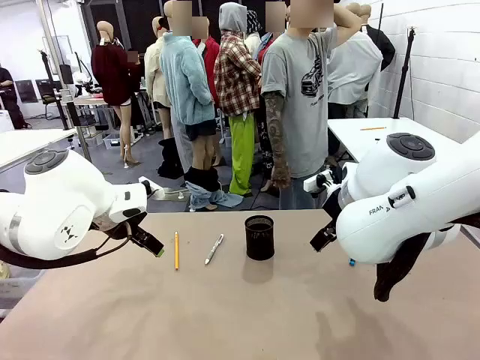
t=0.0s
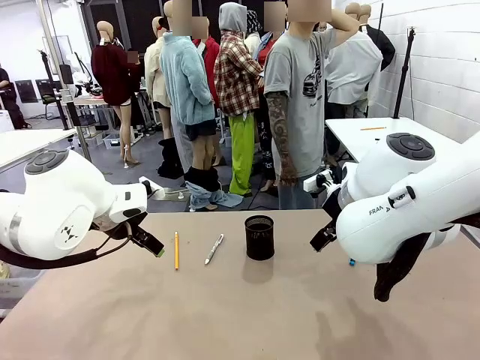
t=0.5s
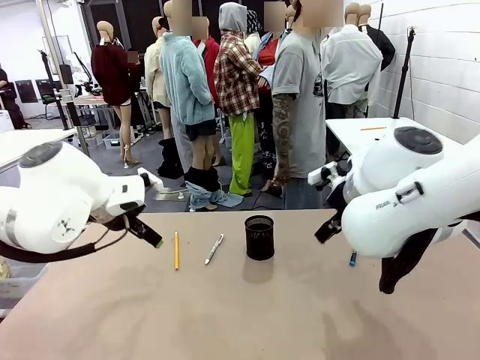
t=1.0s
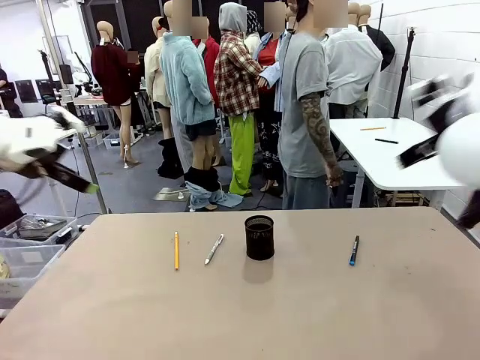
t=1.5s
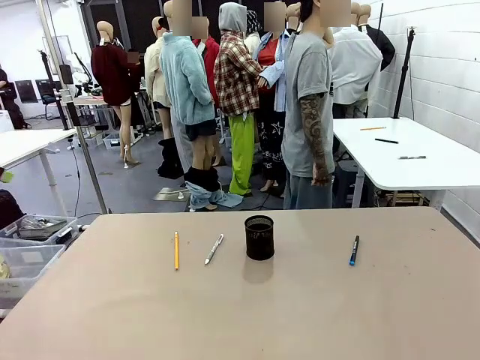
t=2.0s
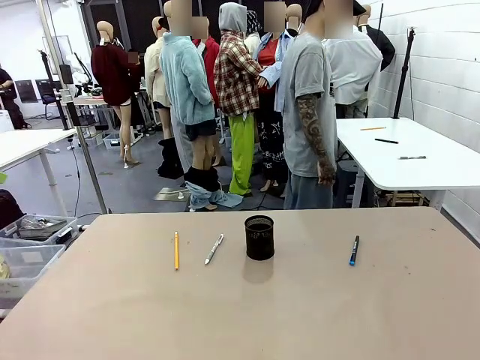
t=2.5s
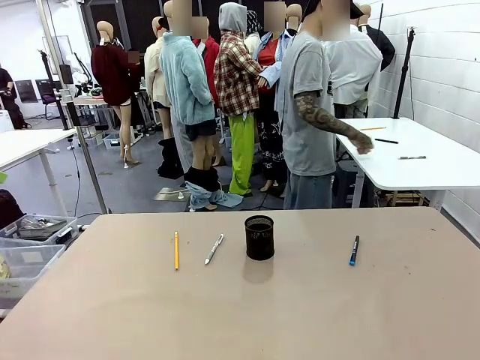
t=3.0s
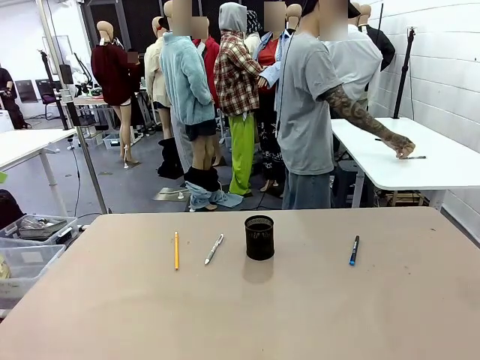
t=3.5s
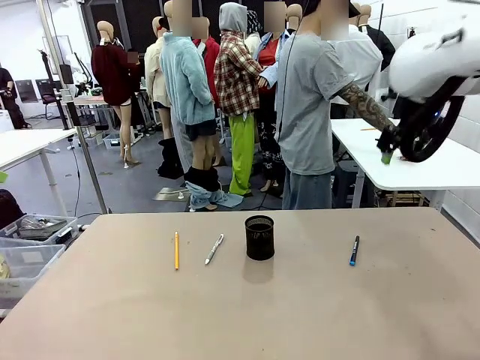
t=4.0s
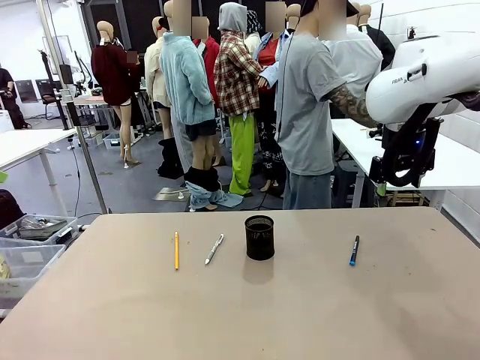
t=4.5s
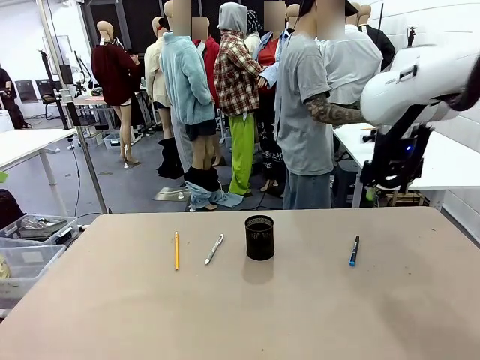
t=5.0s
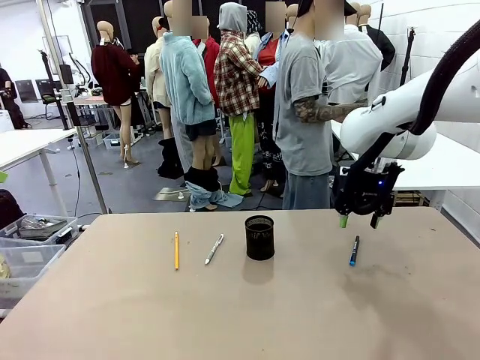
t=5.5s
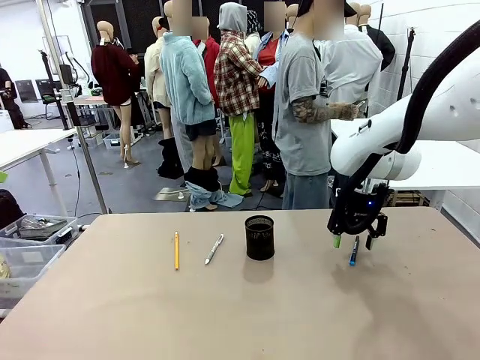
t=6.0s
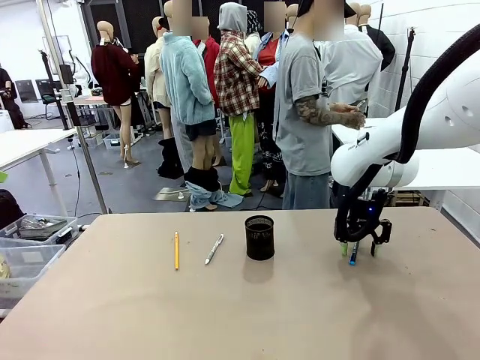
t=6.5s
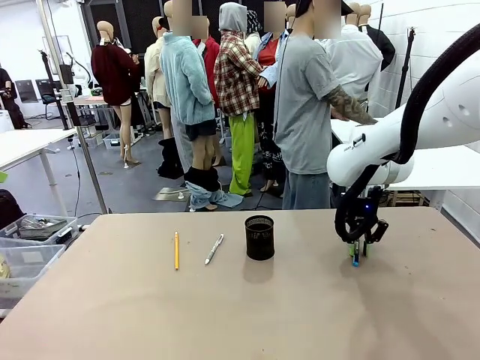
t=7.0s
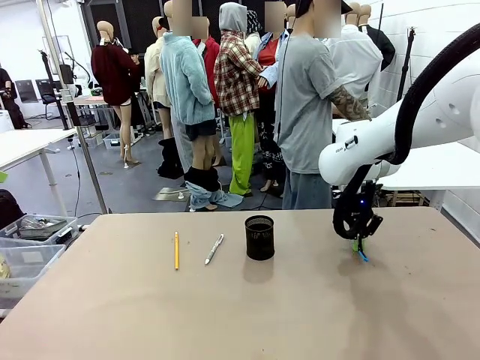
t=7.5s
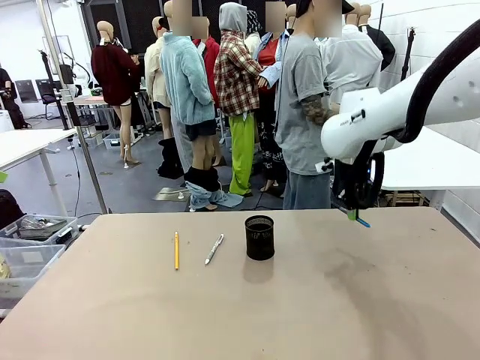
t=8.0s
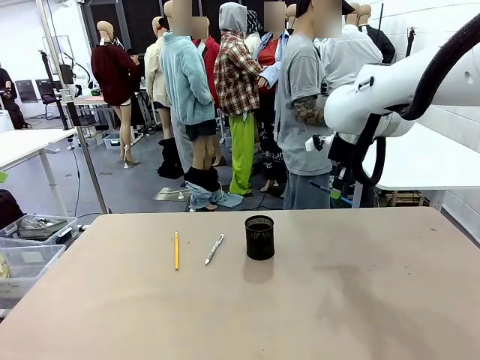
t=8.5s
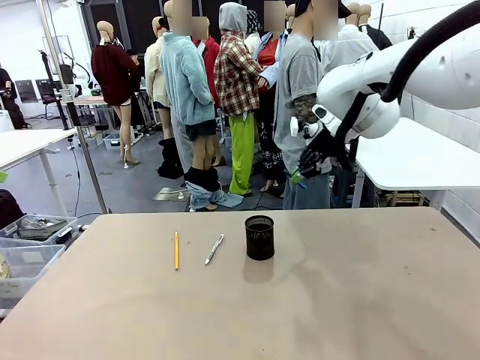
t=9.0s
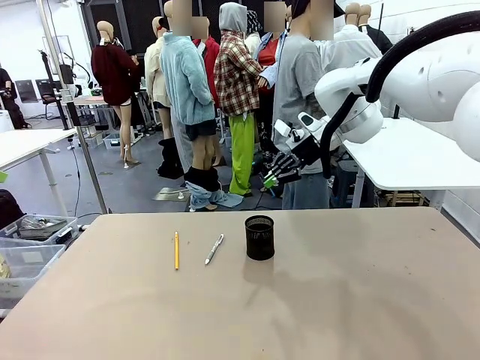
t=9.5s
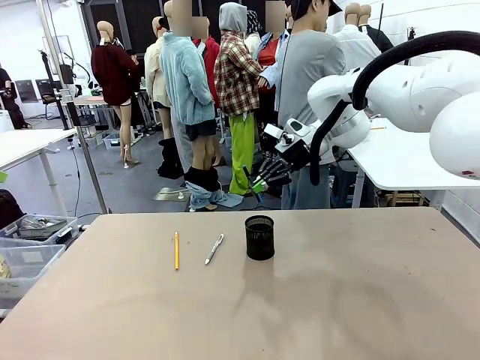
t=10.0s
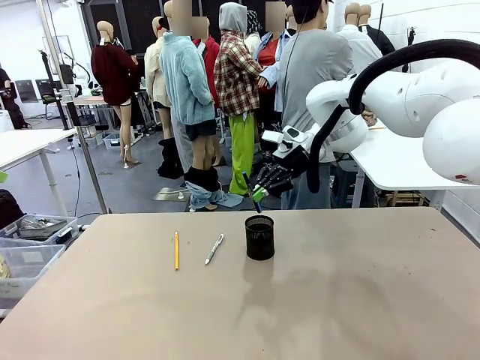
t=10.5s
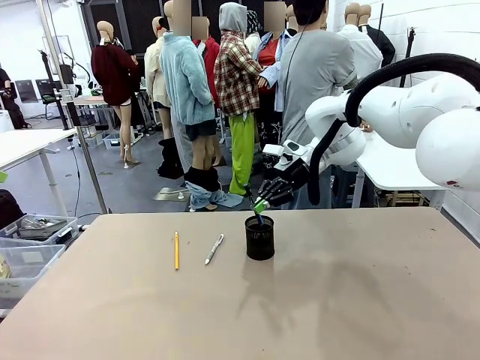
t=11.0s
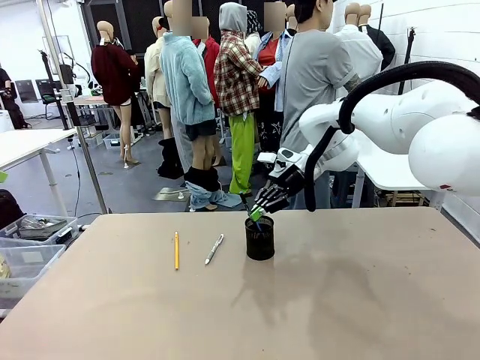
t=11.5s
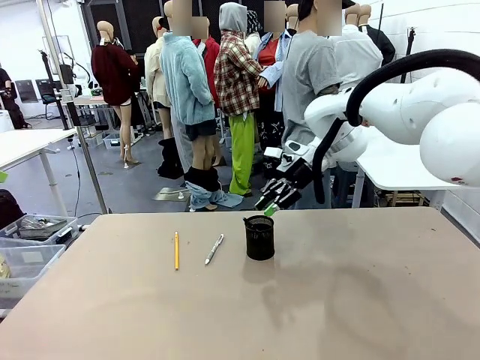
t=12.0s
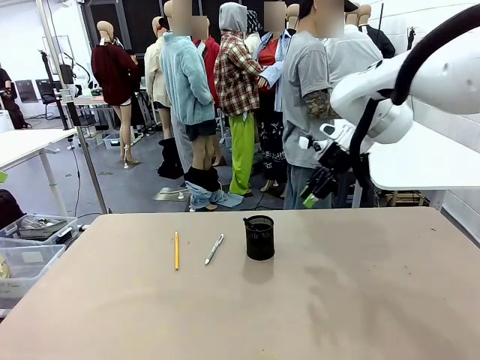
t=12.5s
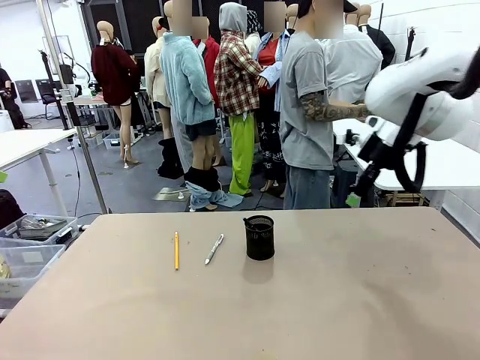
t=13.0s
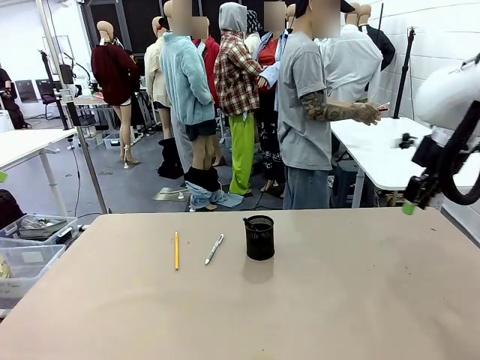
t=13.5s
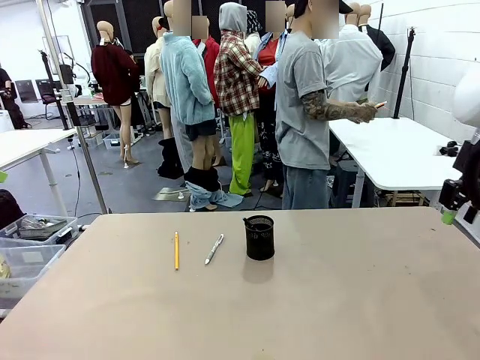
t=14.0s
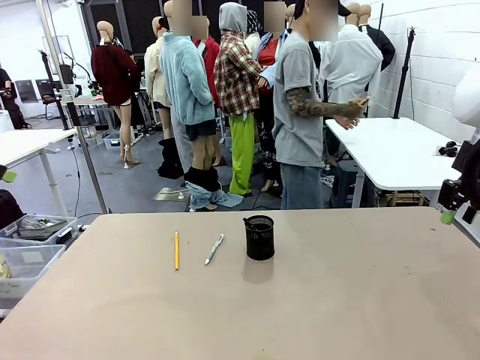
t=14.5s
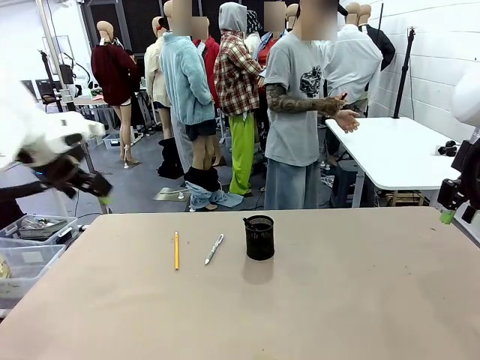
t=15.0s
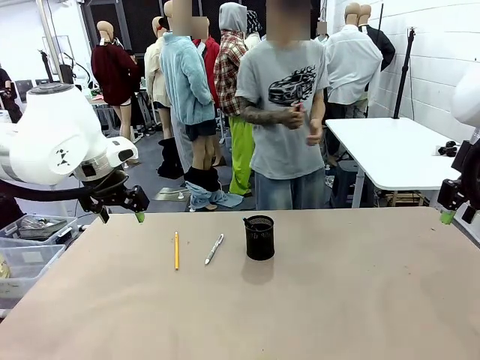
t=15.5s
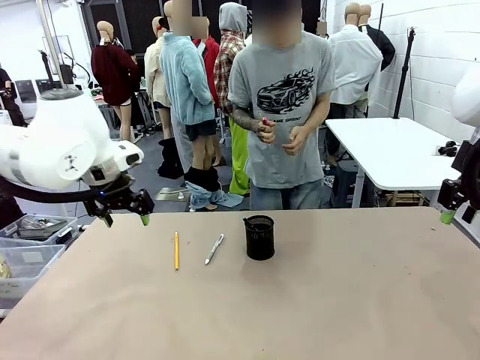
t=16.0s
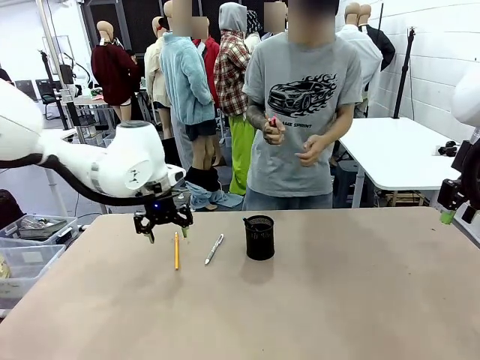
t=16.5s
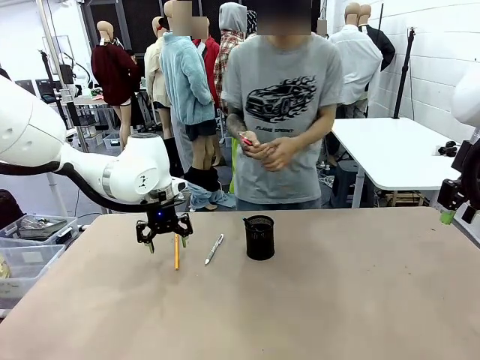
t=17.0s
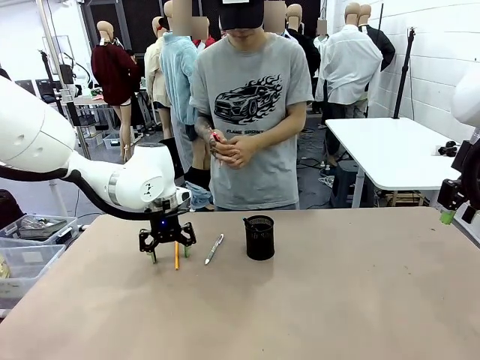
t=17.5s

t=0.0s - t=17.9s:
Task: Place the pens into the pen holder.
Robot: Pick up a writing instrument from the table and place it into the Pen holder.
Person: Pick up all writing instruments from the Human table.

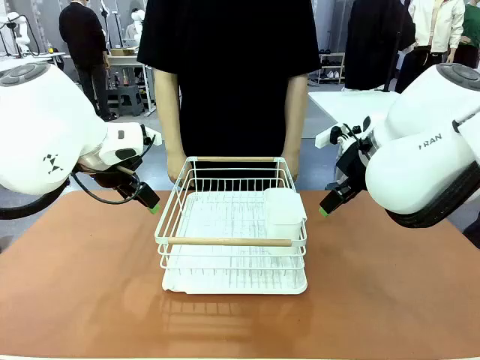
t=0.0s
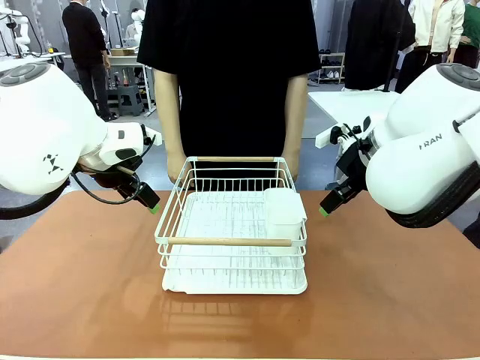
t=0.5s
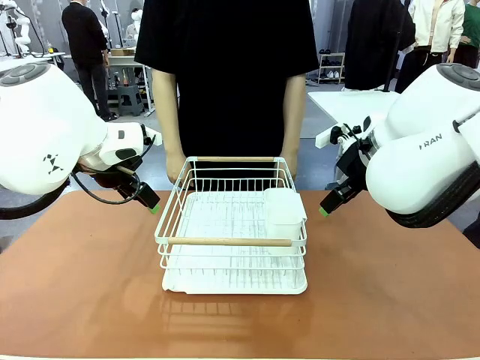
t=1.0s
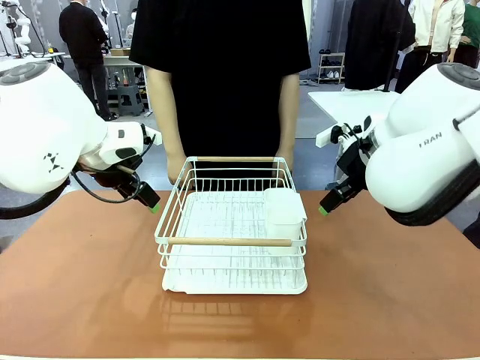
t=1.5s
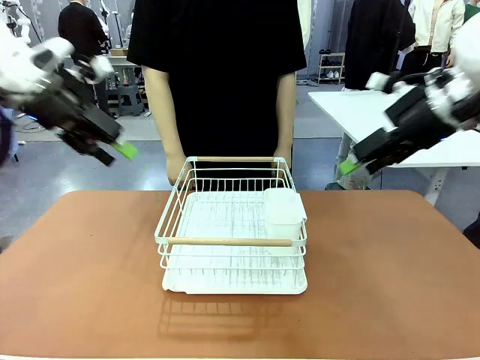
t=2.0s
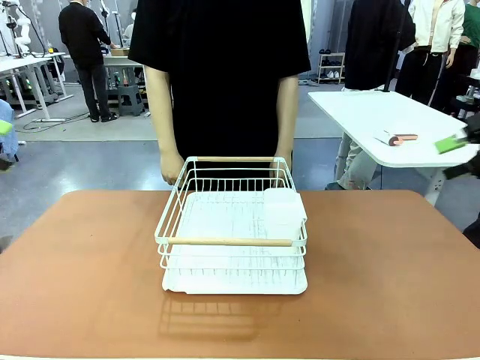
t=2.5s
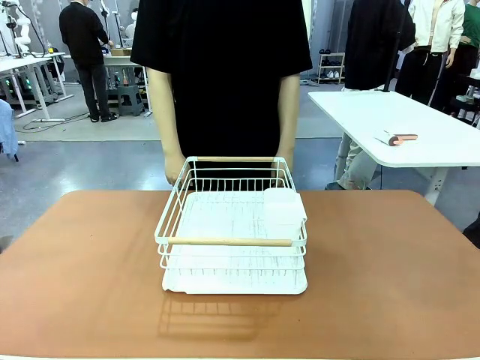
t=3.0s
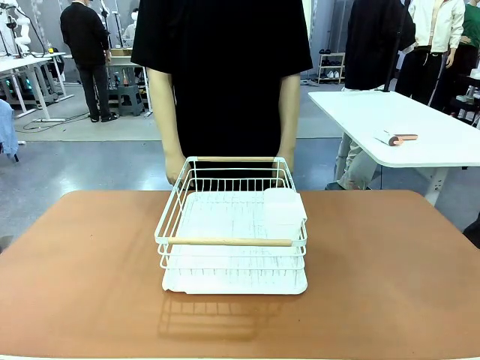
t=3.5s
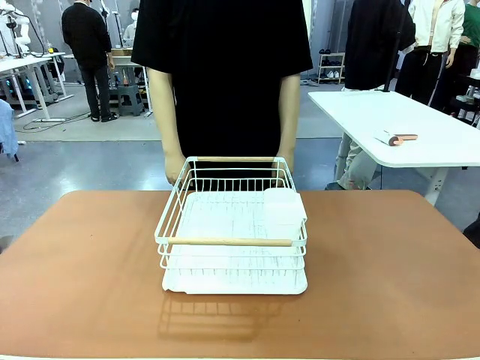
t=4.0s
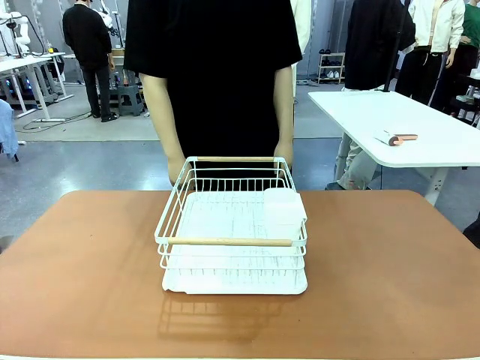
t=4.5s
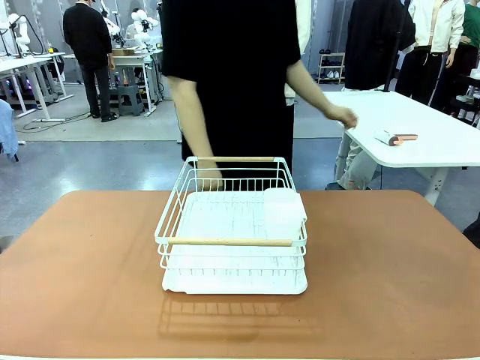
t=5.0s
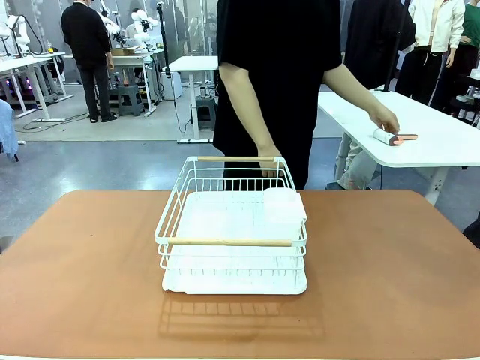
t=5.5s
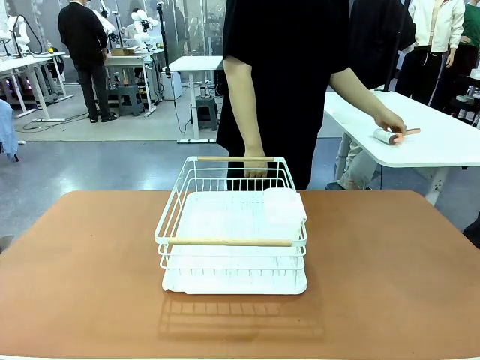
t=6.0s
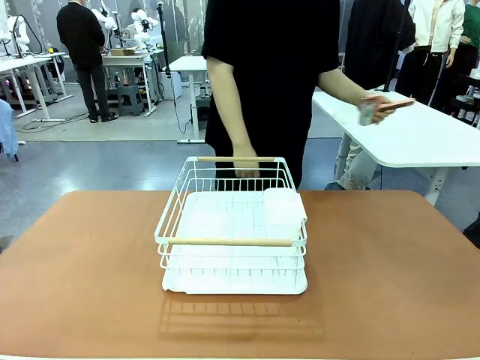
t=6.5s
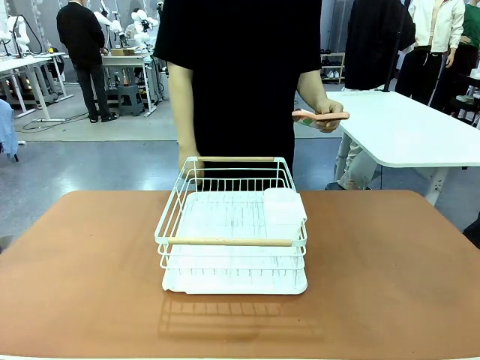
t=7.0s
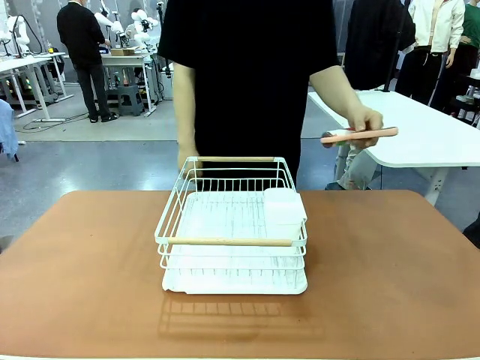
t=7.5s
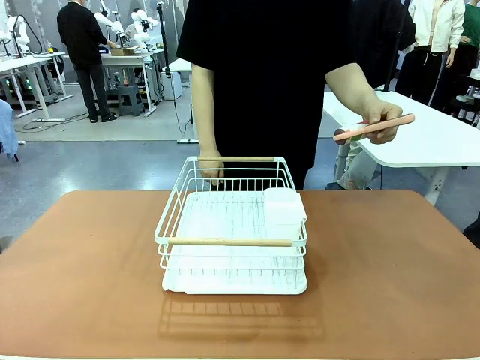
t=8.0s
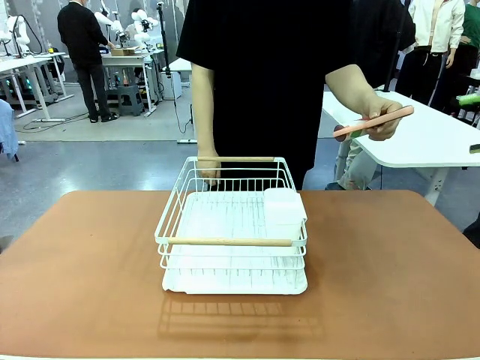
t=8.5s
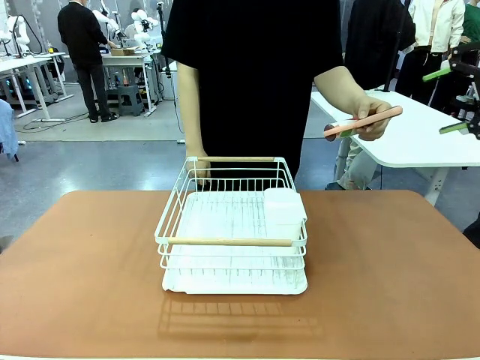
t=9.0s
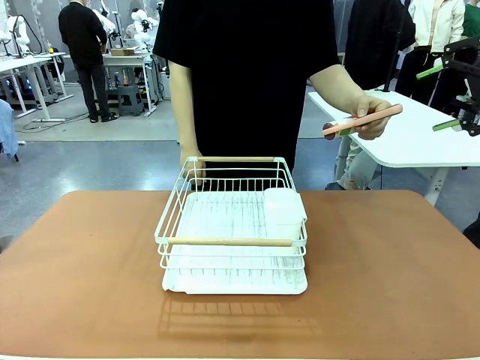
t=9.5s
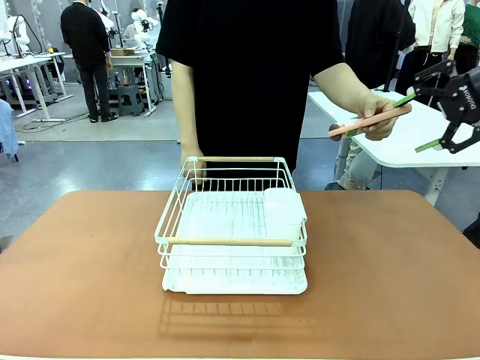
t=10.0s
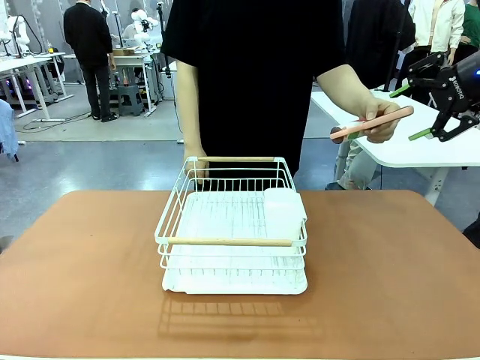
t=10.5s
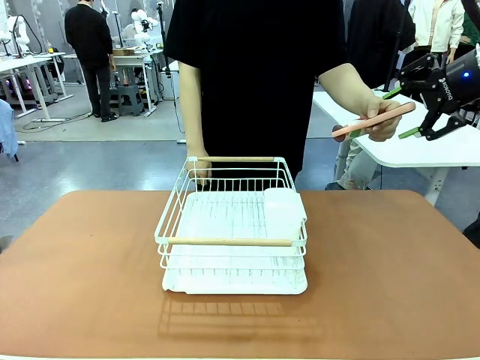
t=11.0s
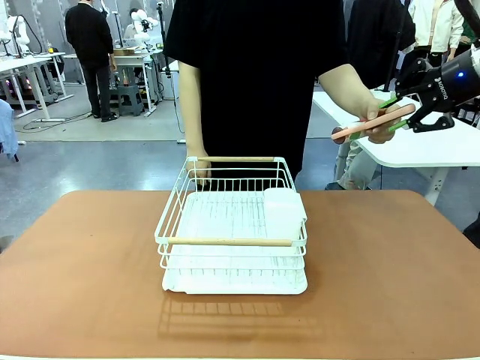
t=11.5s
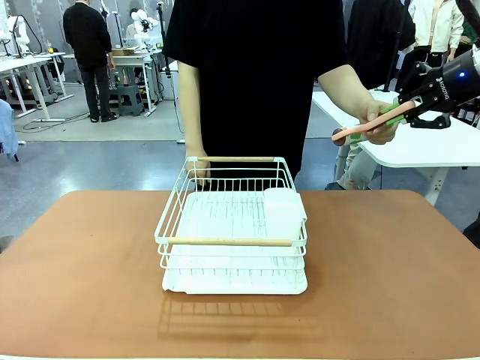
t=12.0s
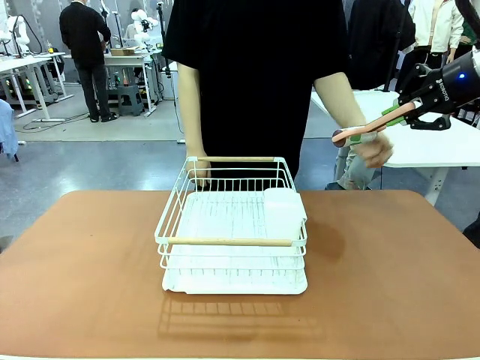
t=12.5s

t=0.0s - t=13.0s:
Task: Clean the table.
Robot: Pick up the Lint Roller when the human hands it over.
Person: Hand the Lint Roller to the robot so it can easily pick it up. Lift the Dish drying rack.
